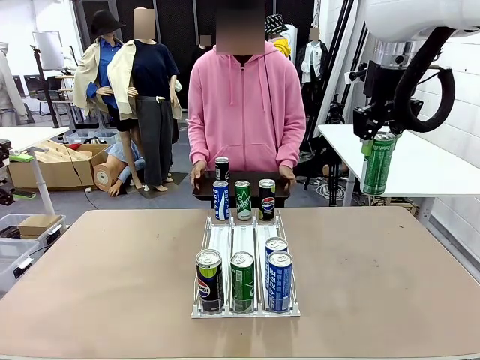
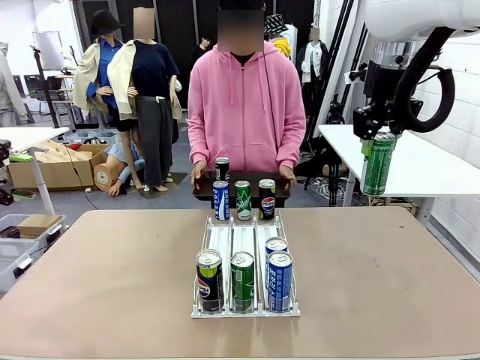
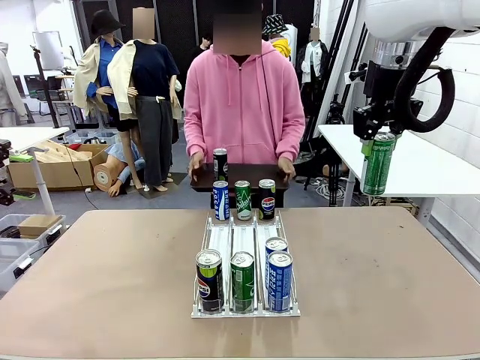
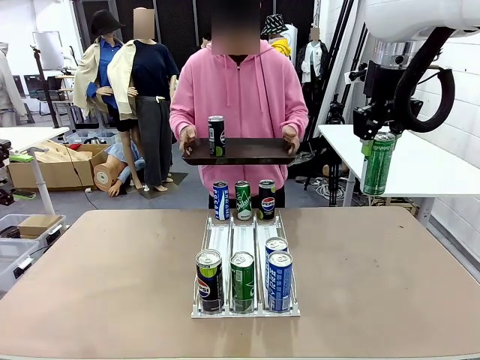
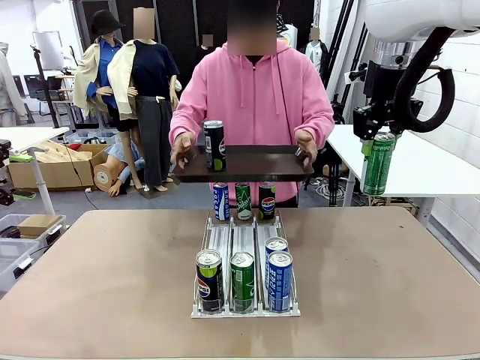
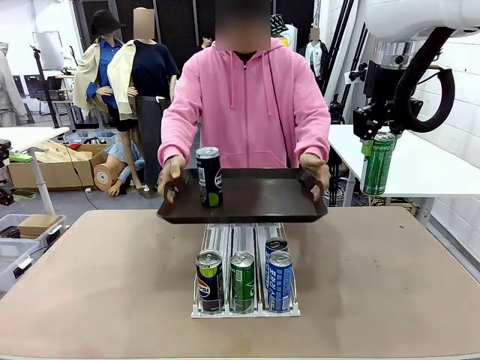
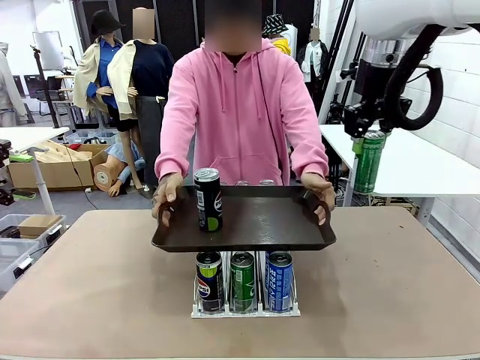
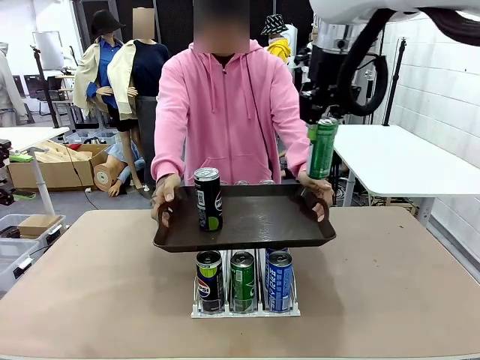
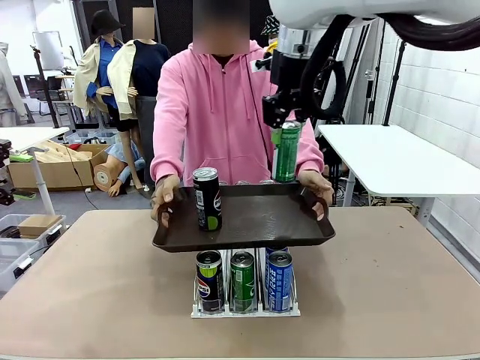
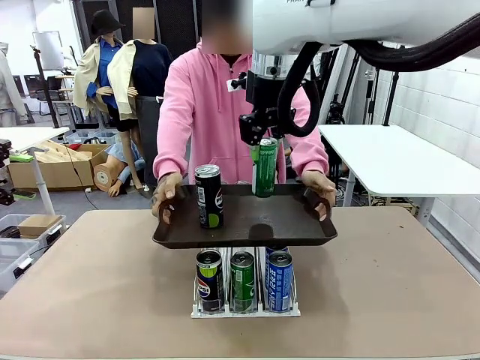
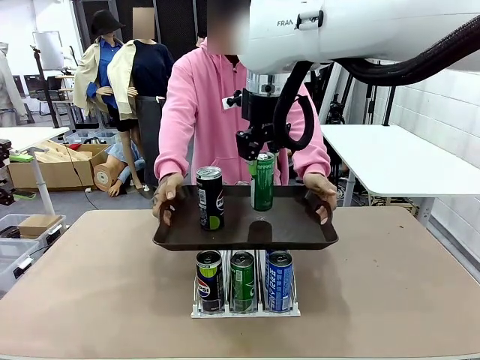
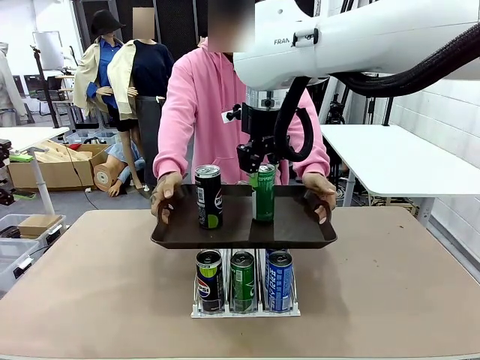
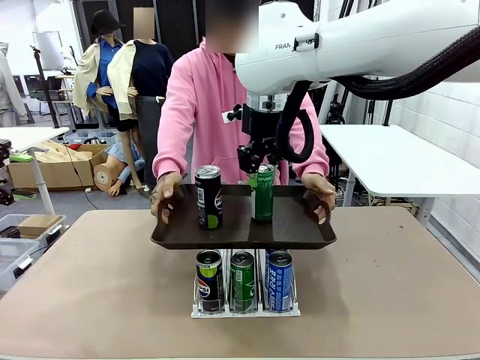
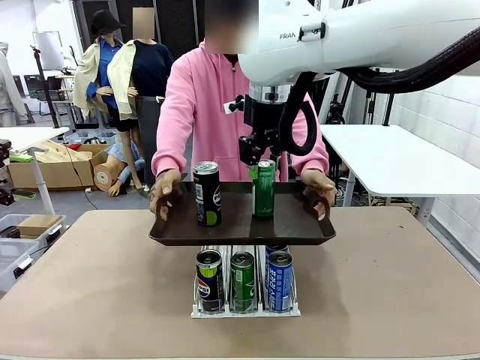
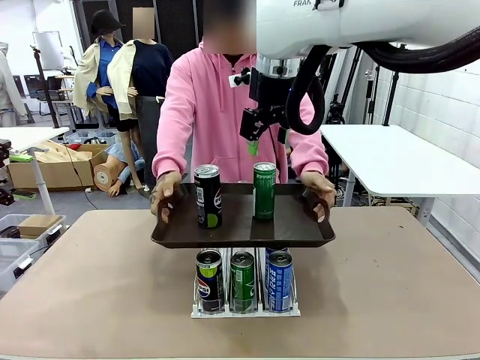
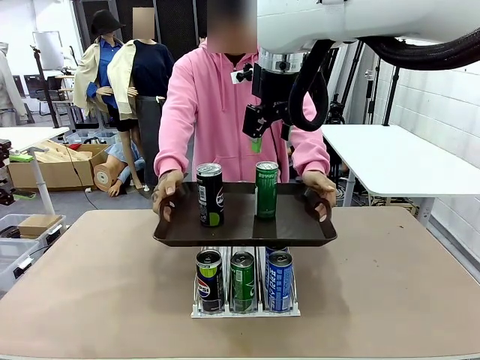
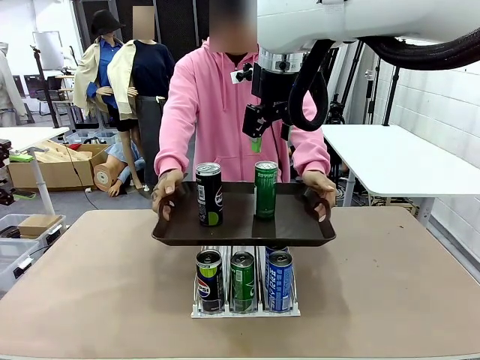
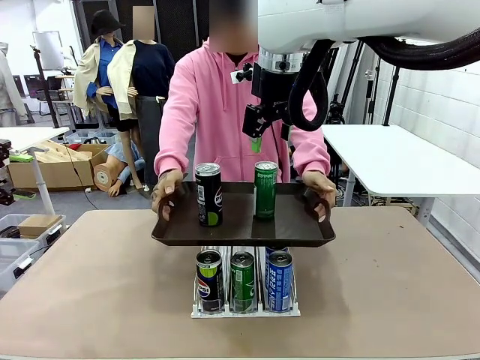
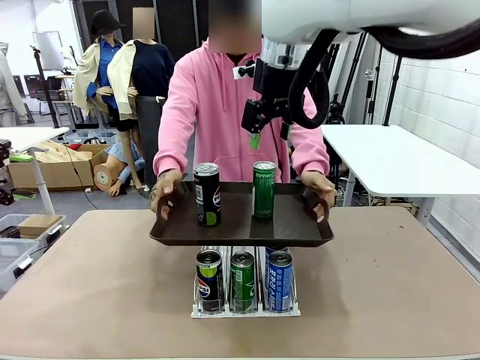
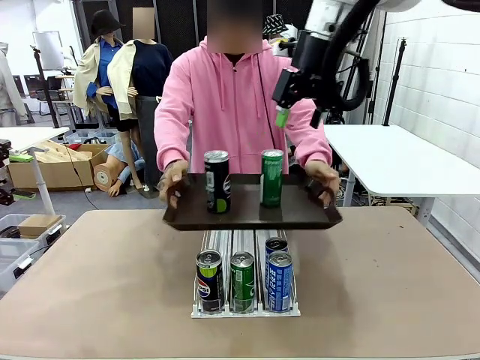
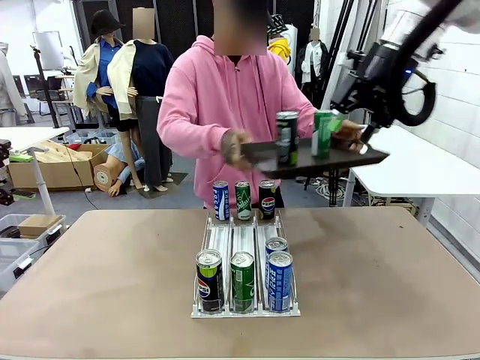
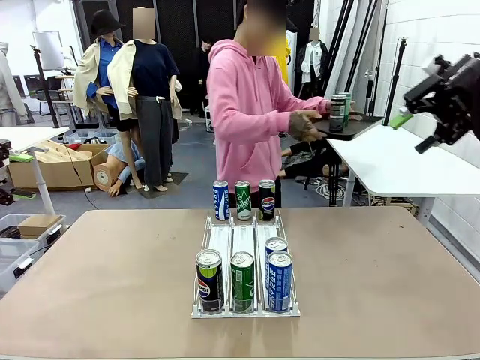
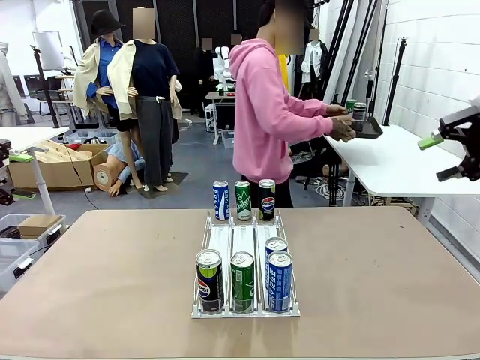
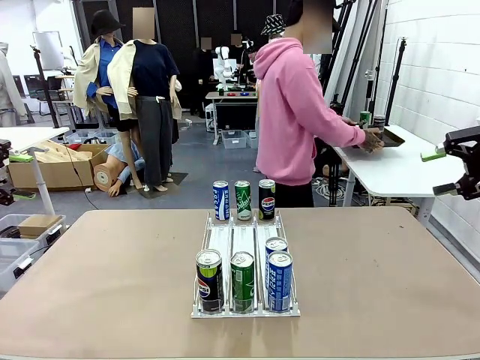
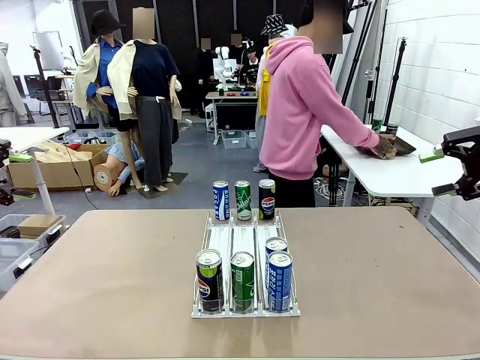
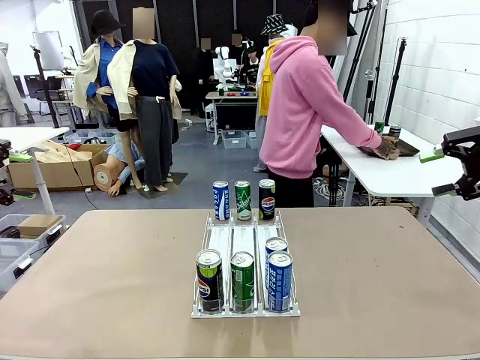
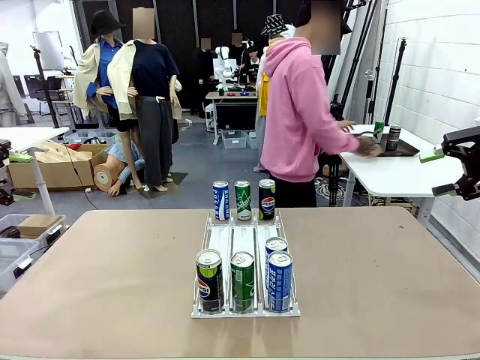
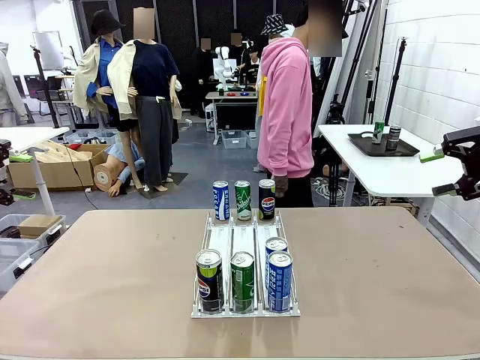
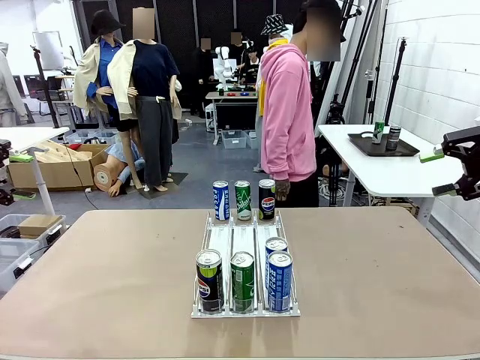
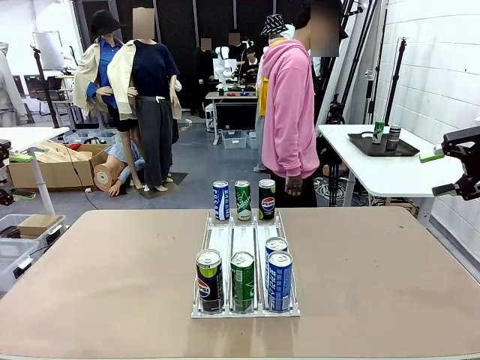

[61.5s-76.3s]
Task: Retrieve and hand over the desired beverage to the person.
Robot: Place the picked can on the Handle tray extended by the person.
Person: Pull the tray back and place it at the center of the human table.

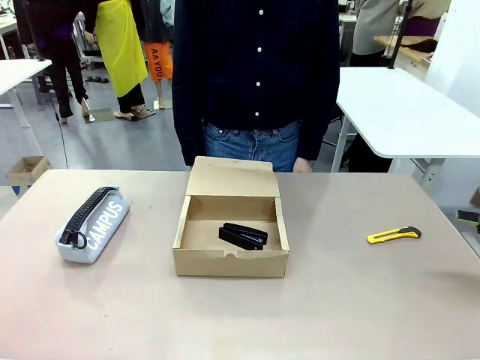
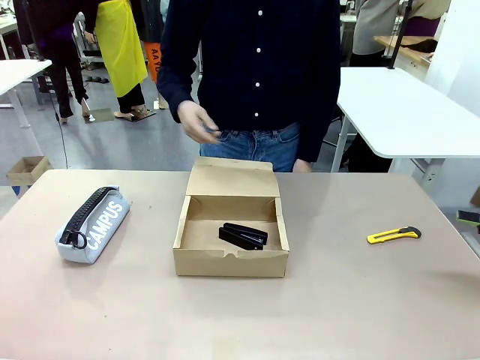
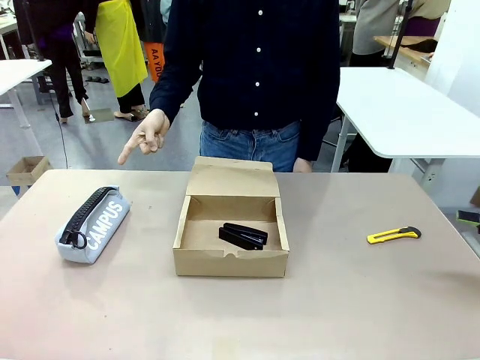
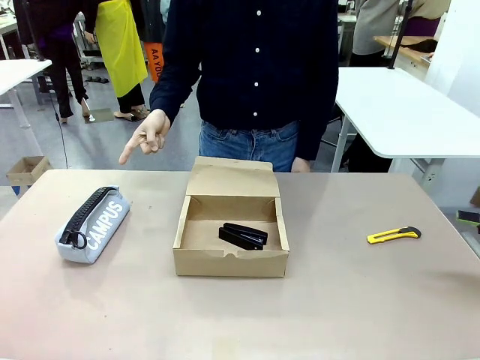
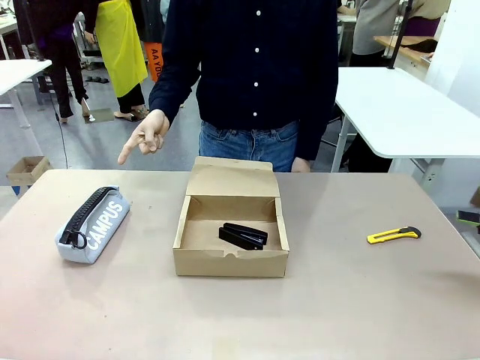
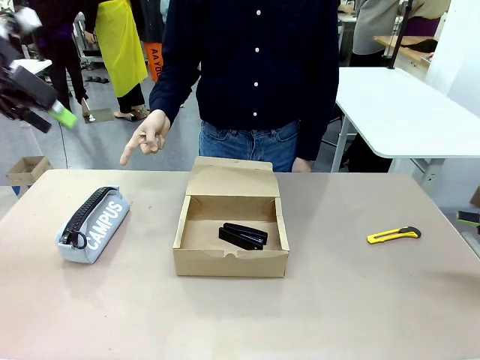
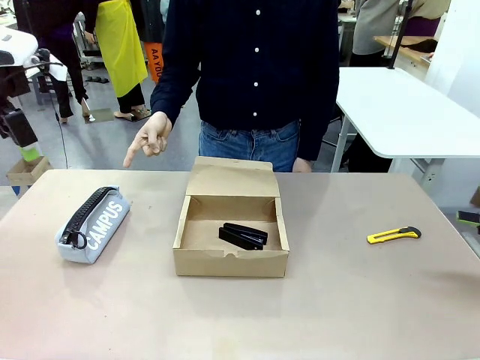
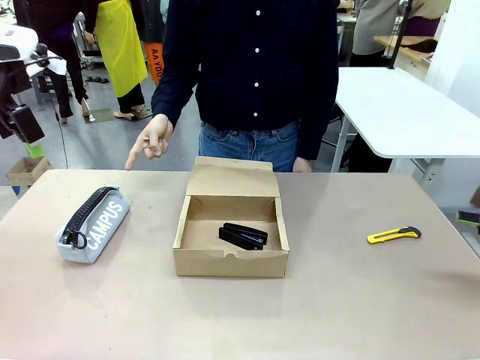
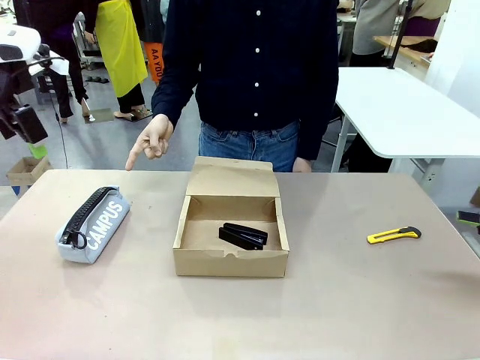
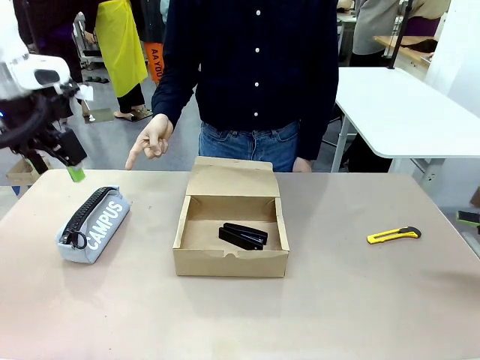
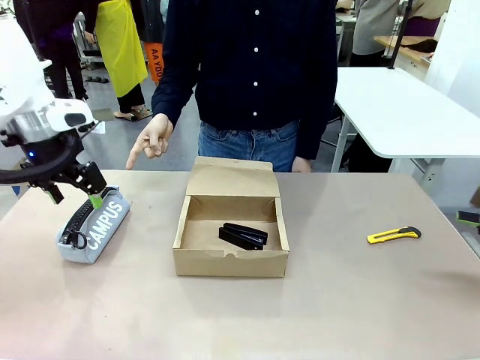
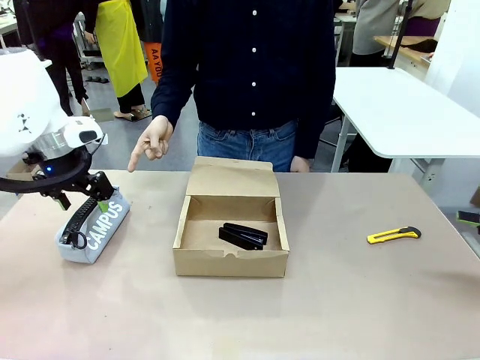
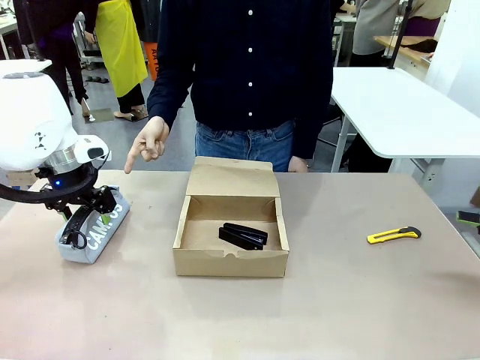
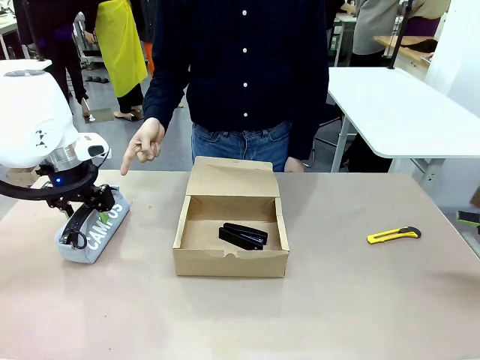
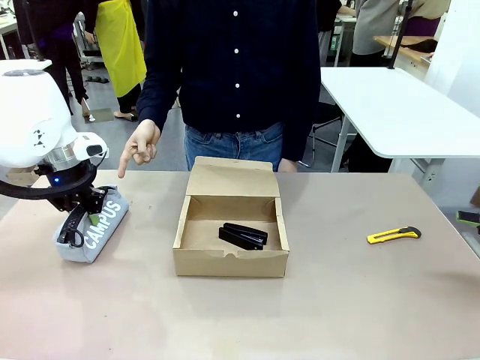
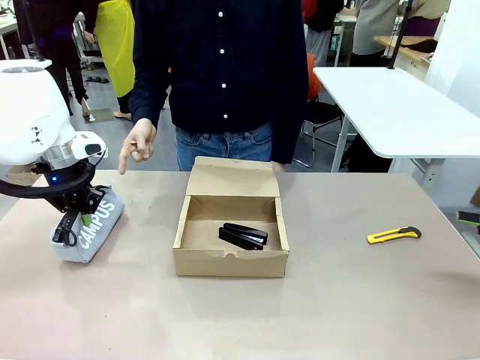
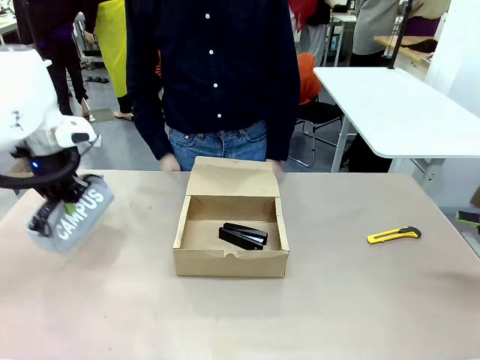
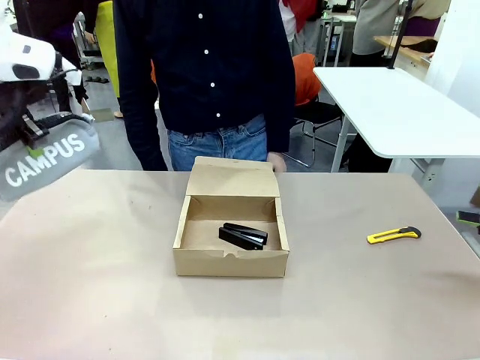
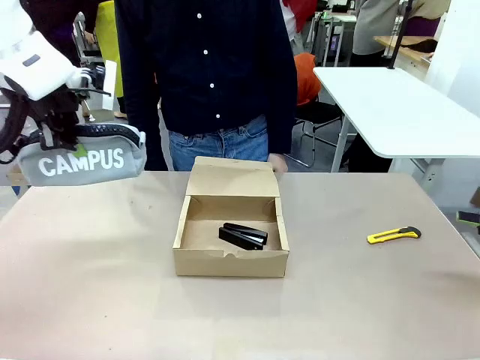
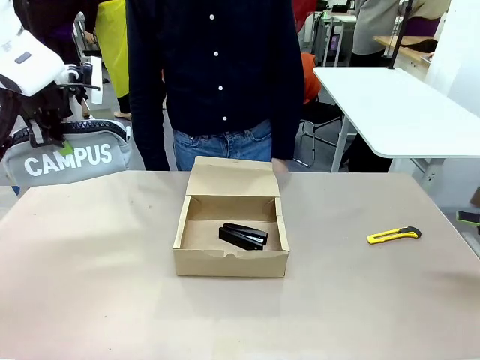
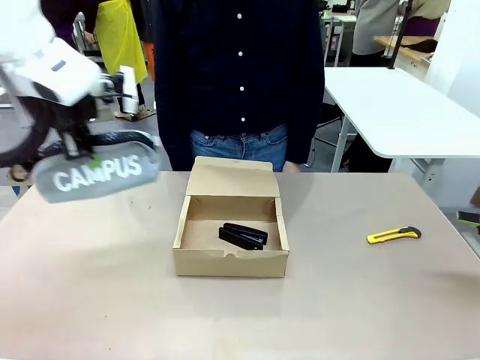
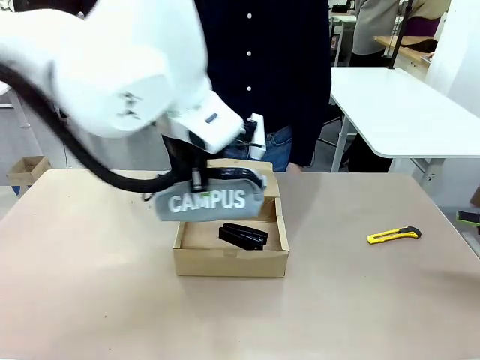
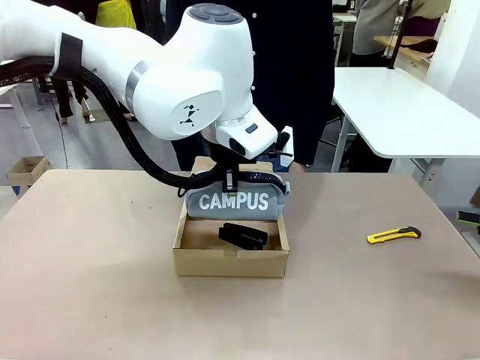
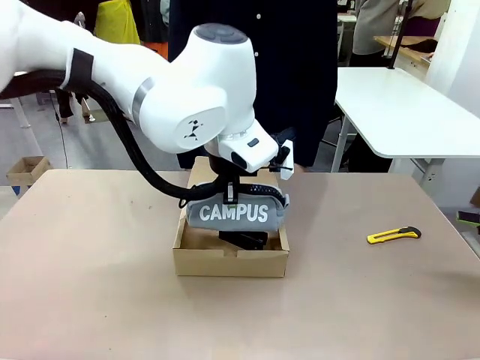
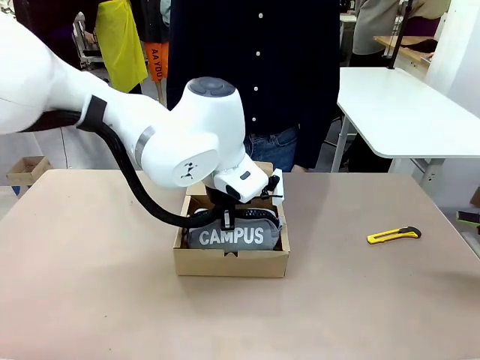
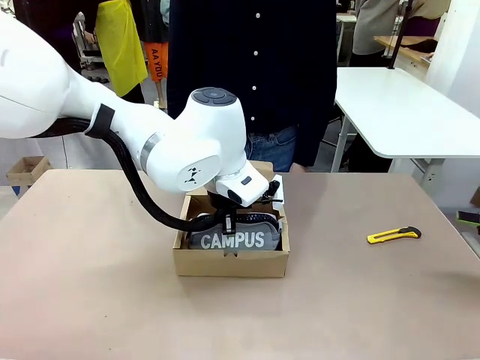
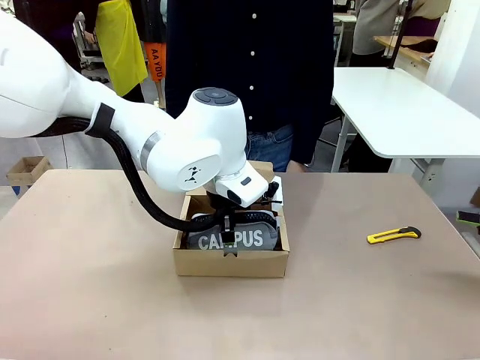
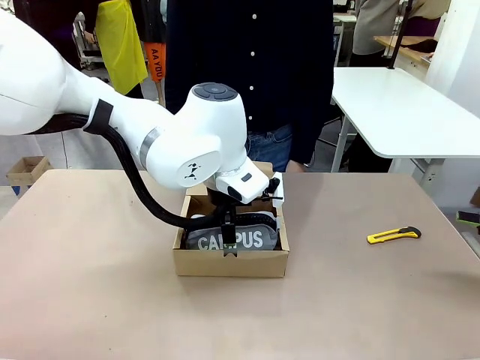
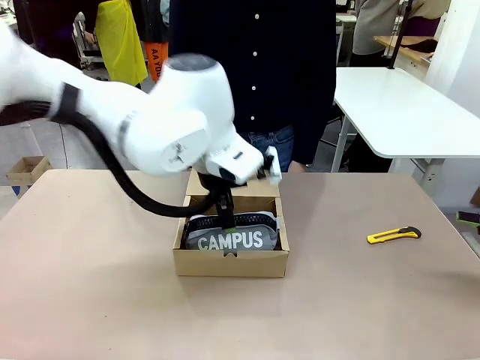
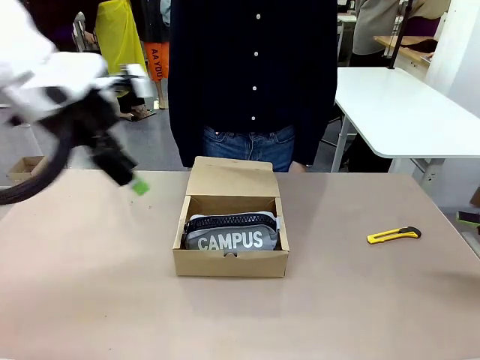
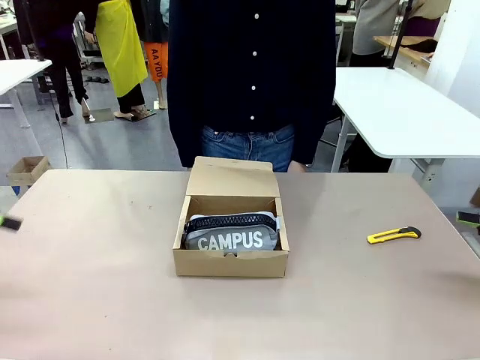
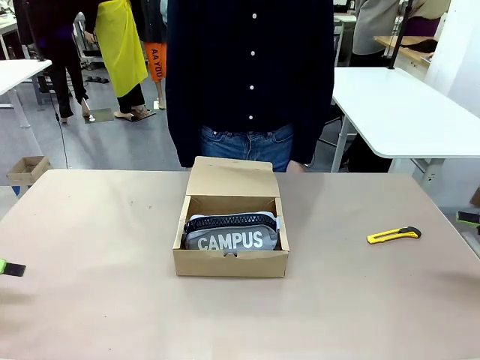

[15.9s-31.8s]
Task: Pack the items into the box.
Robot: Pick up the item specified by the human and place it in the Mailer Box.
Person: Lower both hands vertically with palms facing downward, as if pressing something closed.
